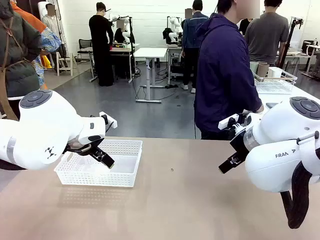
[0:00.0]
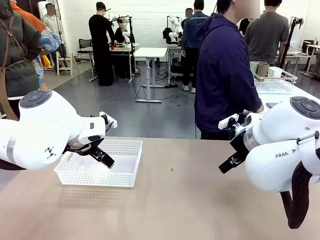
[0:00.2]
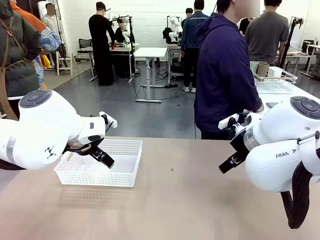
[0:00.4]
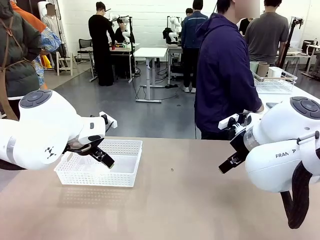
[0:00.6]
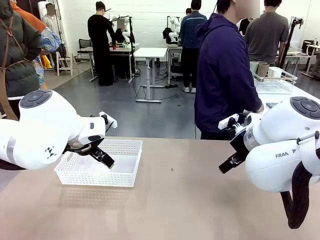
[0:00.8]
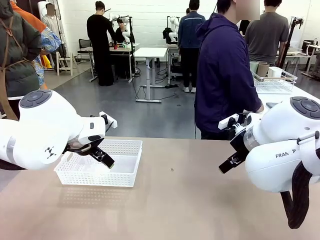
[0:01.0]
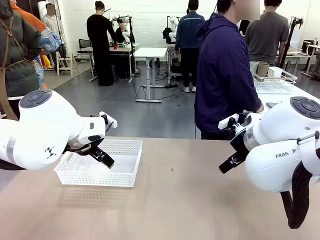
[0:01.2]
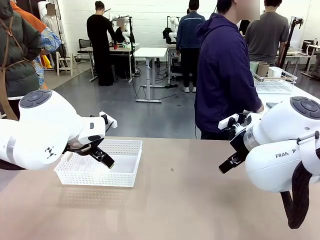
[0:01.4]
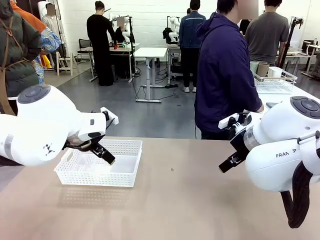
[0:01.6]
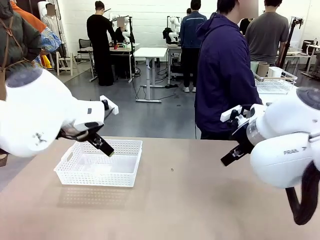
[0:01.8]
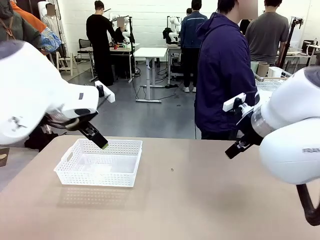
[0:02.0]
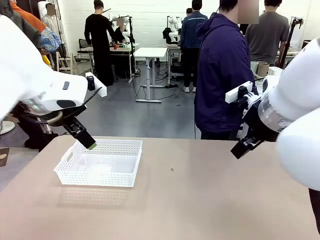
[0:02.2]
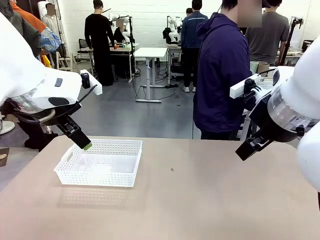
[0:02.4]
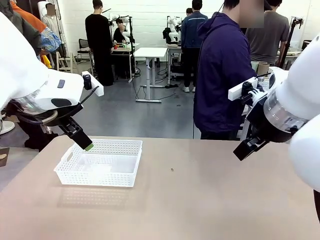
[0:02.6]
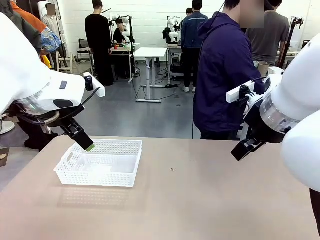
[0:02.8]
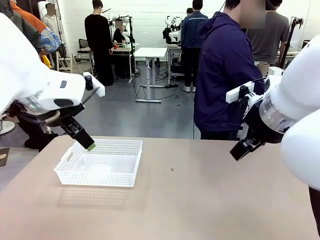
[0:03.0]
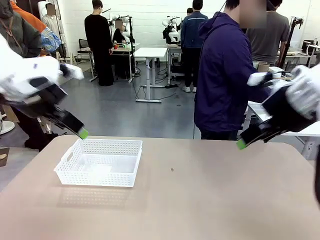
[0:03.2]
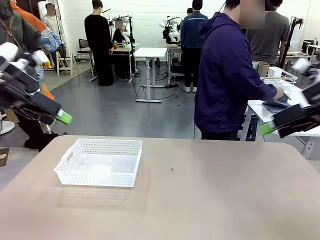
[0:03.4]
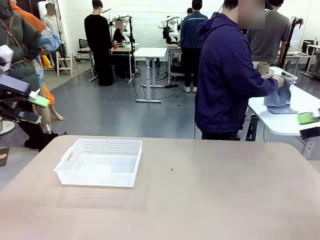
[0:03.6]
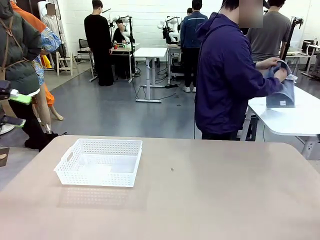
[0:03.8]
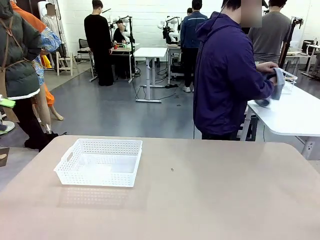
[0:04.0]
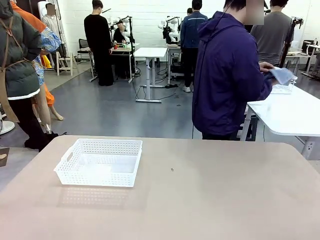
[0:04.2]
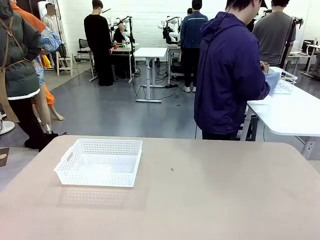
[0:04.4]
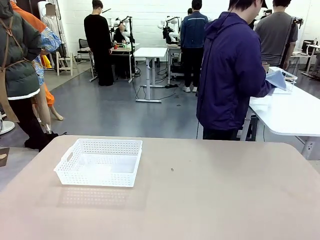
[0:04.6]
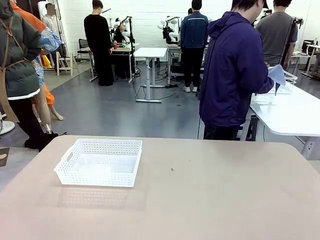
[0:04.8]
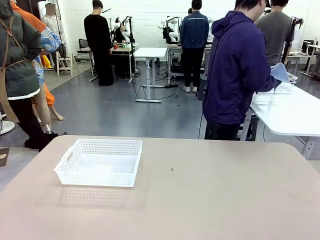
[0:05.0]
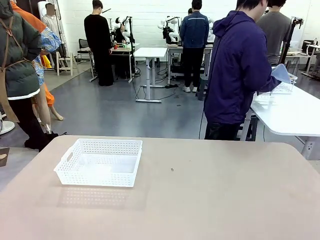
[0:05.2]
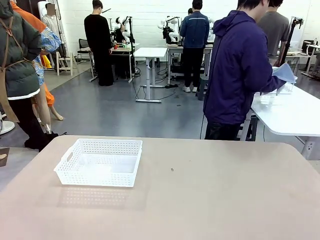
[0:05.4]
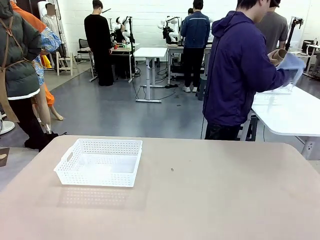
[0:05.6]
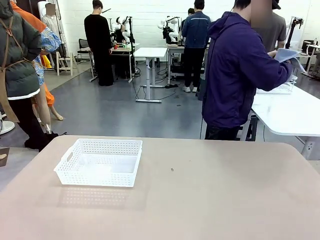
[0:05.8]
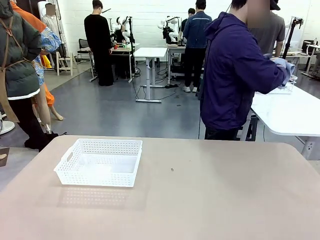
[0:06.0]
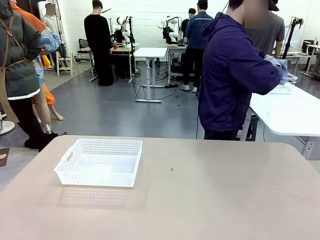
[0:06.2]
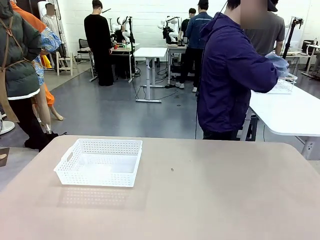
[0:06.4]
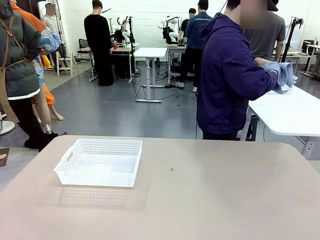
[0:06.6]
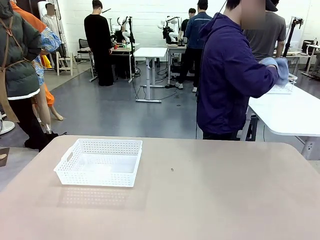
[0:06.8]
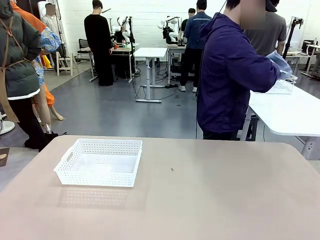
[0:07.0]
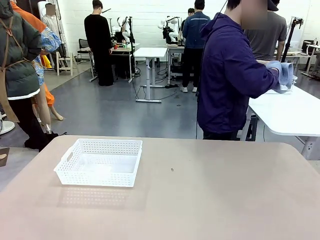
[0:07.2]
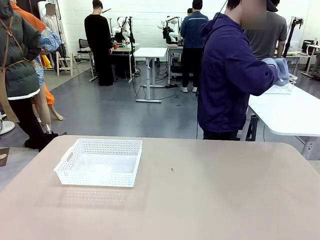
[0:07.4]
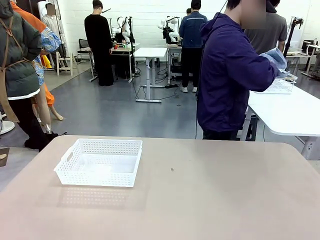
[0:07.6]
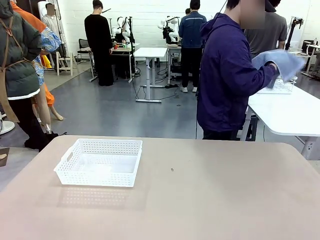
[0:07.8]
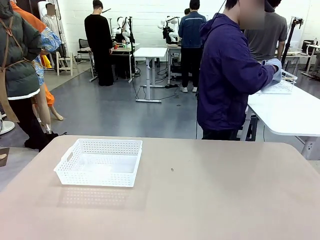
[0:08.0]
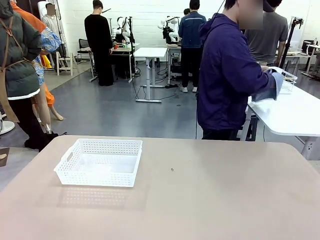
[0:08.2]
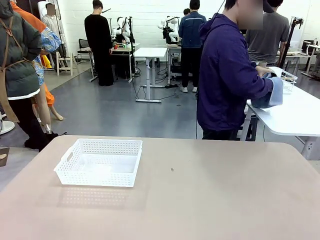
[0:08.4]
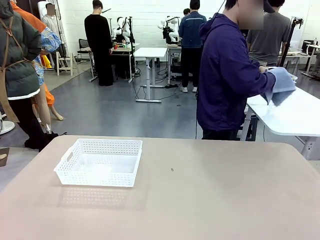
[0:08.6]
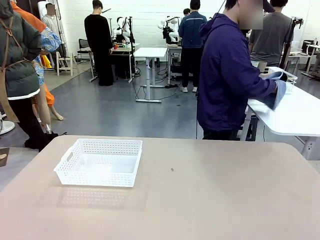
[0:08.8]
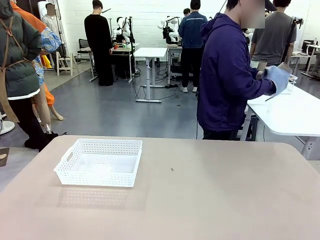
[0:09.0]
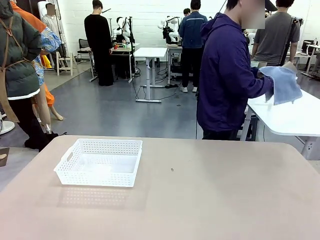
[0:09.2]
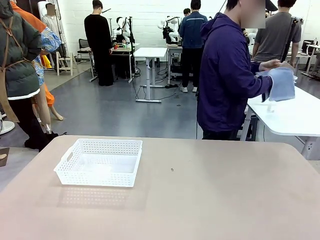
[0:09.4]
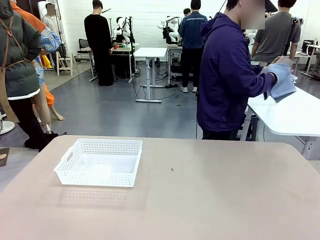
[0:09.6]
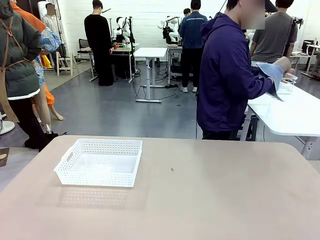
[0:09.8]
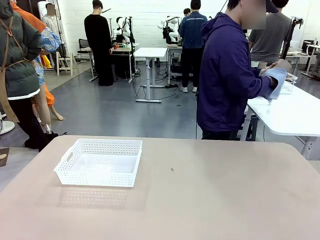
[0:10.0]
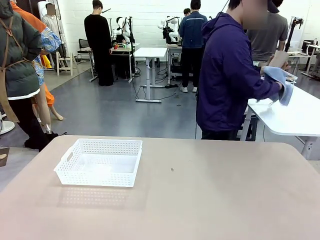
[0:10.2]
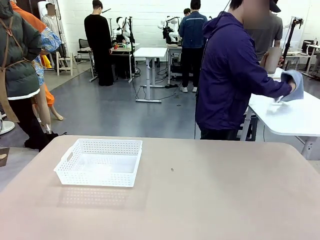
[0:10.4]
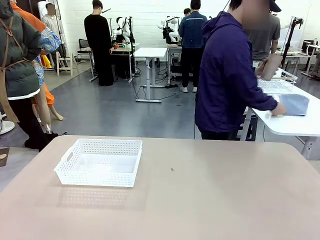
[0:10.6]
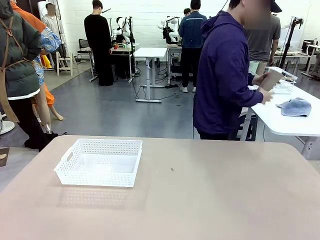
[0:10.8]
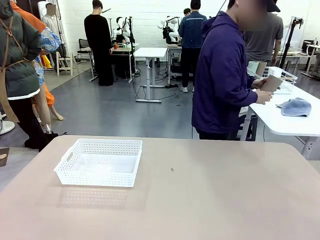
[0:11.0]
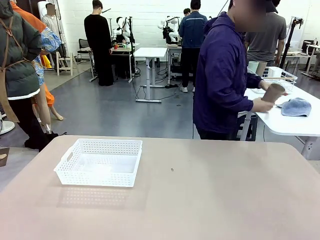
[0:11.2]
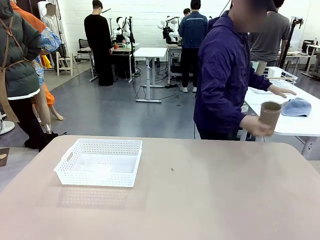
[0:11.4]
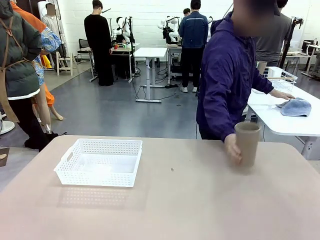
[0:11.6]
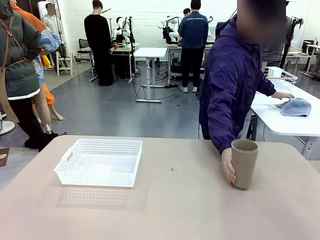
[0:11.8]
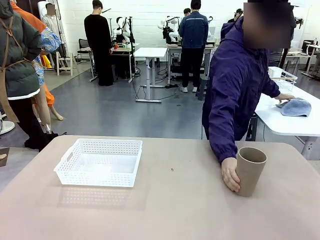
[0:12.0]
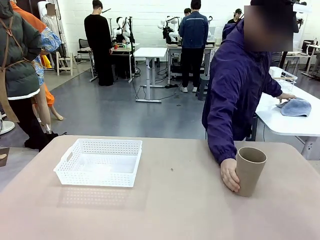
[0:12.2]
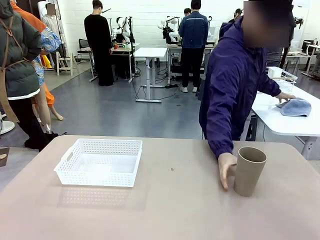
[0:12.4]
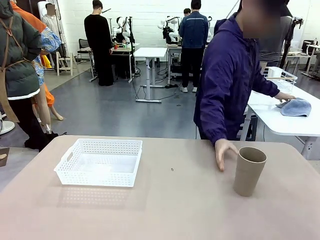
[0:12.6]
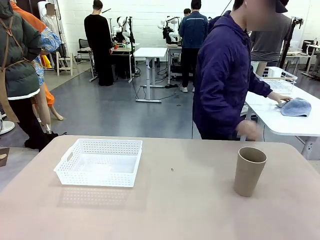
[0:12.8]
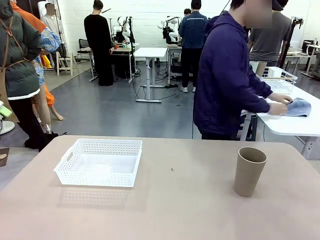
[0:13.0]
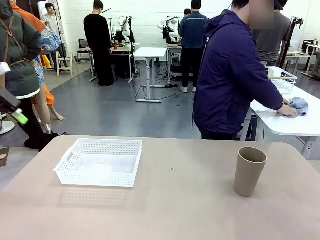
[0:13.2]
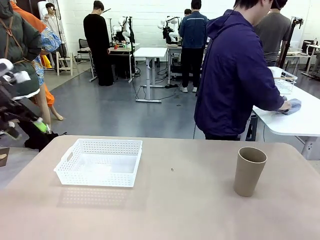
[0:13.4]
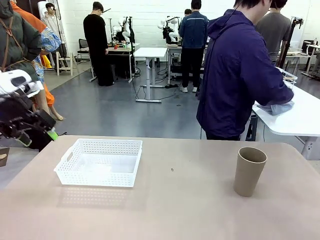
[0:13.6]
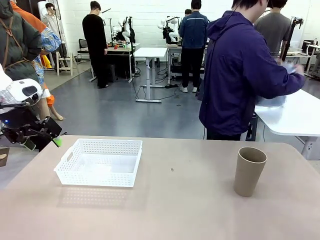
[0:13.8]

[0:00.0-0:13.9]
Task: Clean and organize the cups into the basket.
Robot: Pick up the Organizing basket and move it to the center of the table, then pick up the Reusable plastic cup from the right side of the table and place it inside the Organizing basket.
Person: Picks up a cup and a towel, cleans the cup with the towel, and places it on the left side of the robot table.
